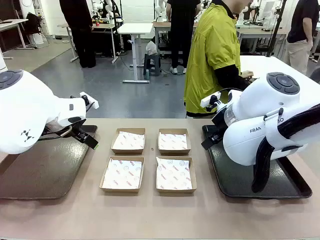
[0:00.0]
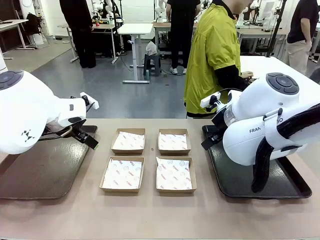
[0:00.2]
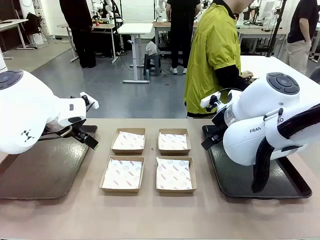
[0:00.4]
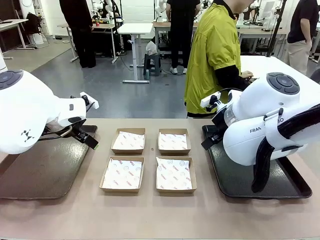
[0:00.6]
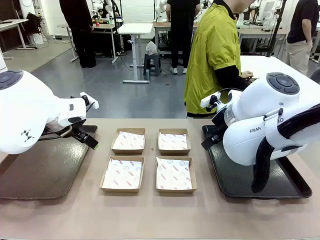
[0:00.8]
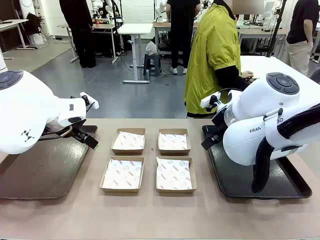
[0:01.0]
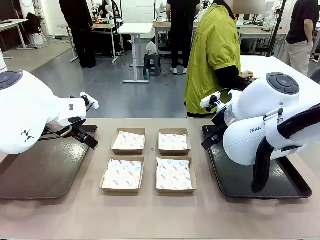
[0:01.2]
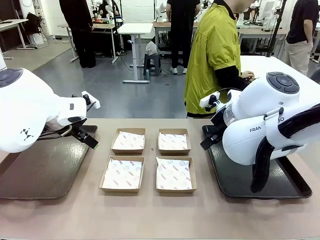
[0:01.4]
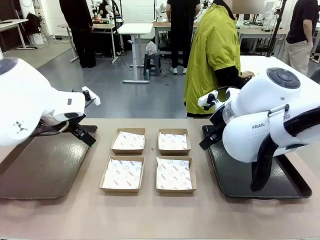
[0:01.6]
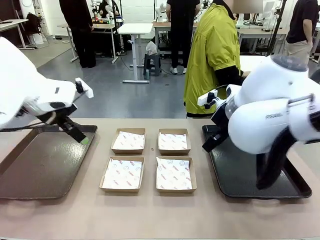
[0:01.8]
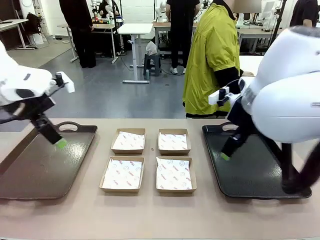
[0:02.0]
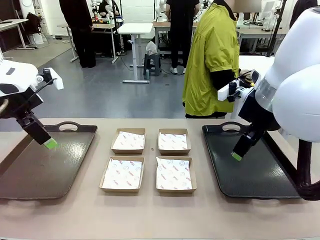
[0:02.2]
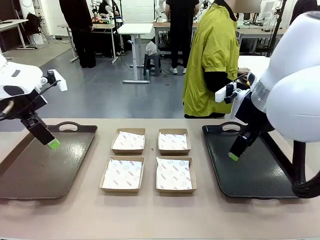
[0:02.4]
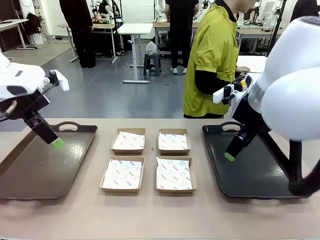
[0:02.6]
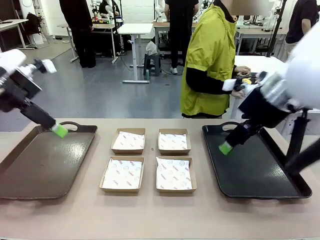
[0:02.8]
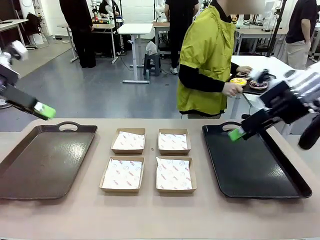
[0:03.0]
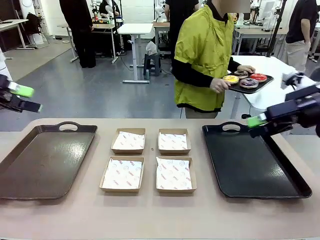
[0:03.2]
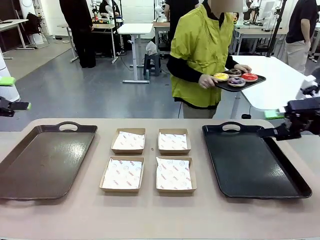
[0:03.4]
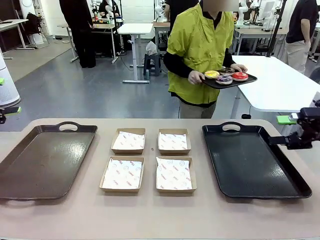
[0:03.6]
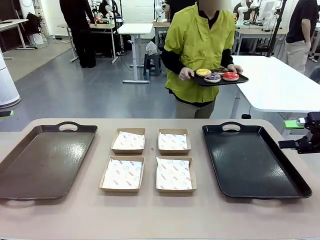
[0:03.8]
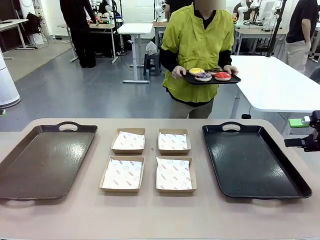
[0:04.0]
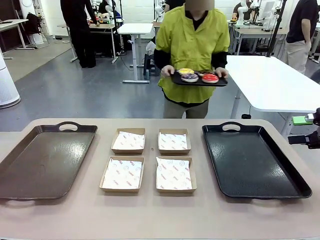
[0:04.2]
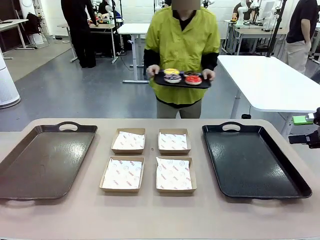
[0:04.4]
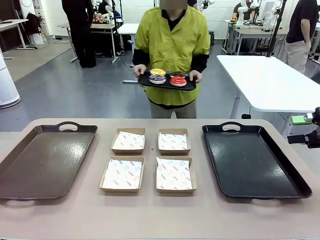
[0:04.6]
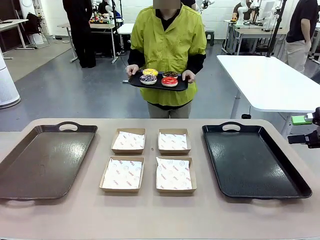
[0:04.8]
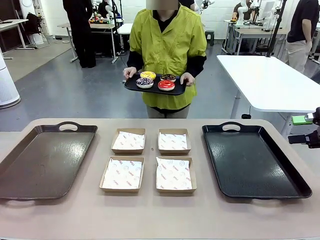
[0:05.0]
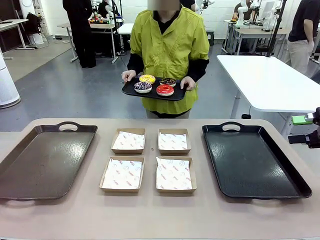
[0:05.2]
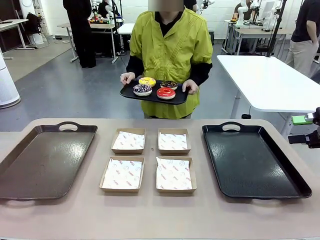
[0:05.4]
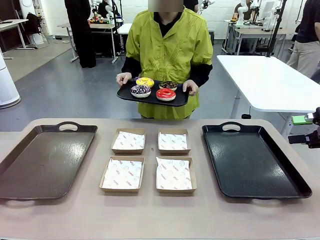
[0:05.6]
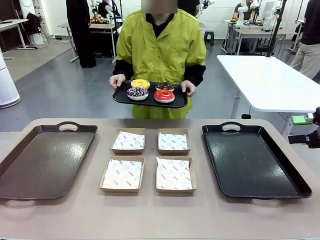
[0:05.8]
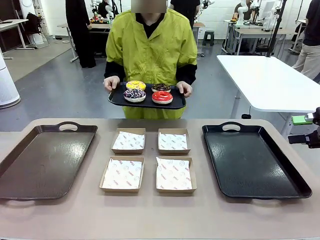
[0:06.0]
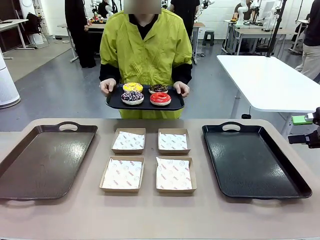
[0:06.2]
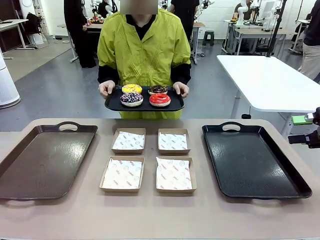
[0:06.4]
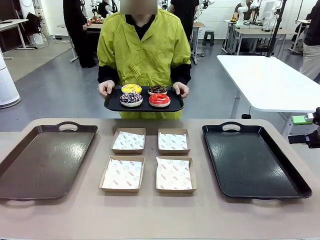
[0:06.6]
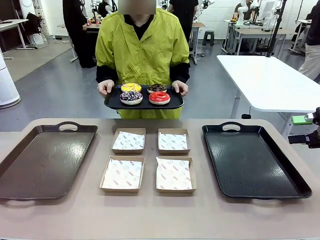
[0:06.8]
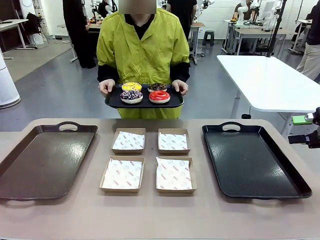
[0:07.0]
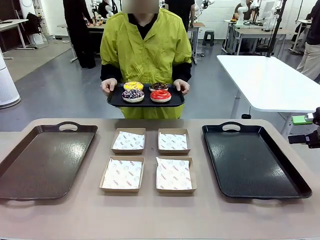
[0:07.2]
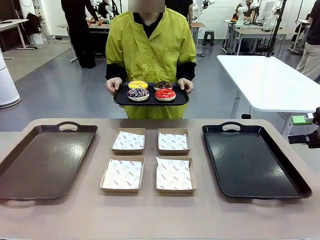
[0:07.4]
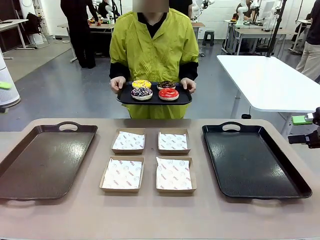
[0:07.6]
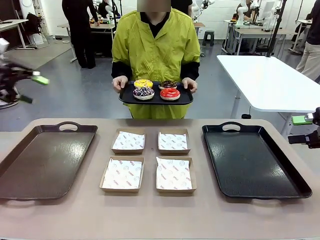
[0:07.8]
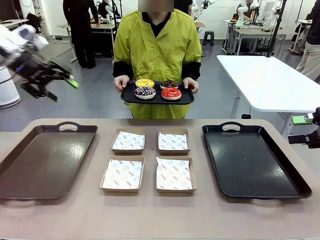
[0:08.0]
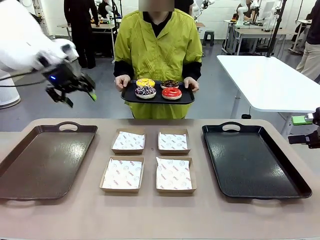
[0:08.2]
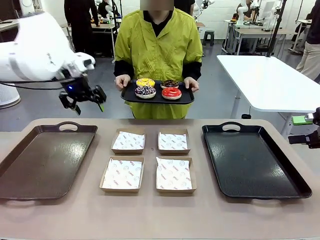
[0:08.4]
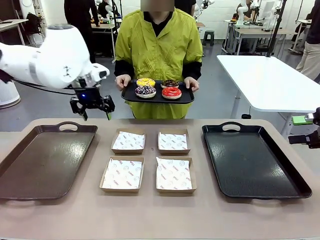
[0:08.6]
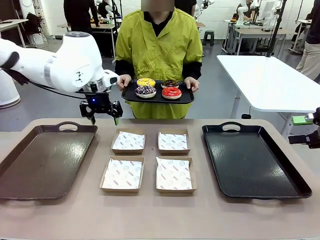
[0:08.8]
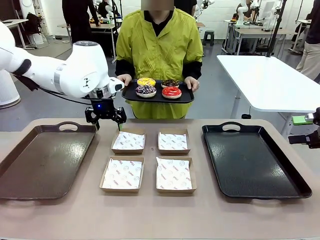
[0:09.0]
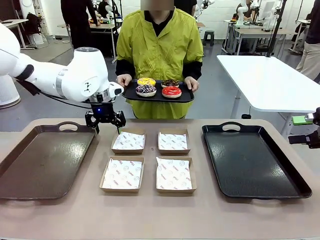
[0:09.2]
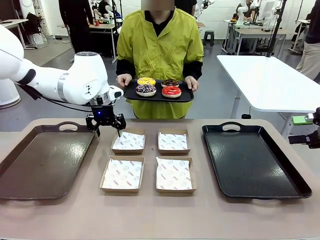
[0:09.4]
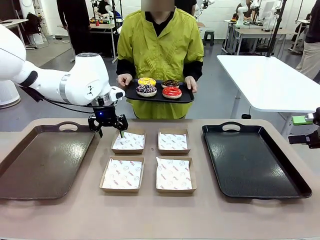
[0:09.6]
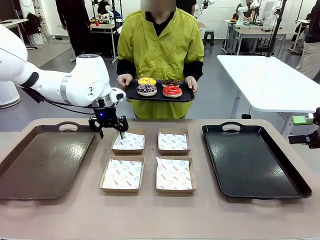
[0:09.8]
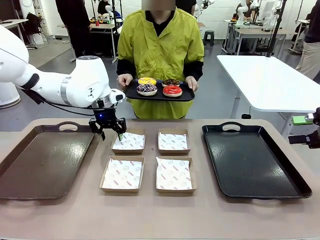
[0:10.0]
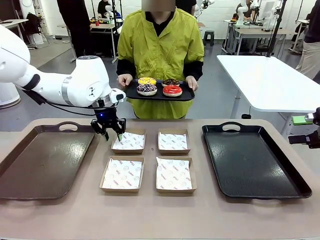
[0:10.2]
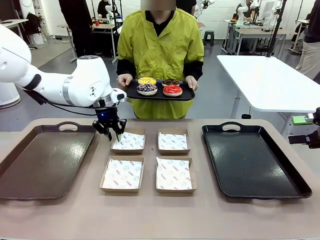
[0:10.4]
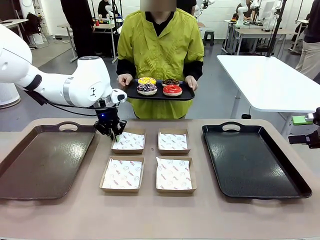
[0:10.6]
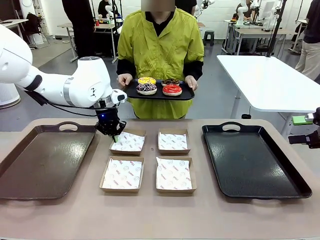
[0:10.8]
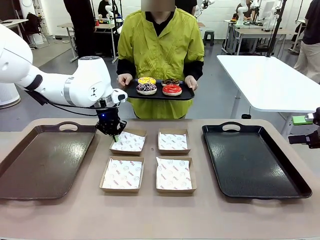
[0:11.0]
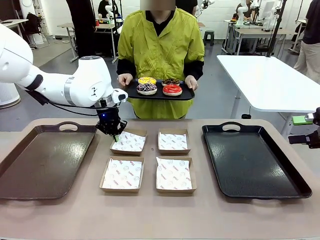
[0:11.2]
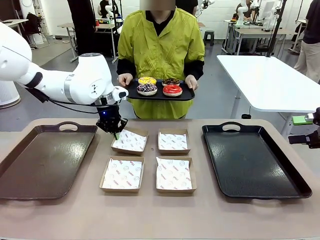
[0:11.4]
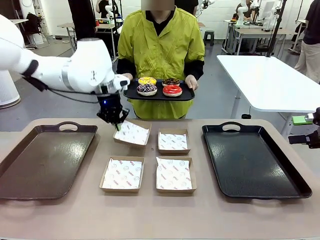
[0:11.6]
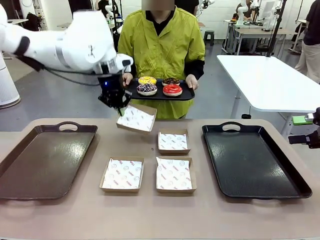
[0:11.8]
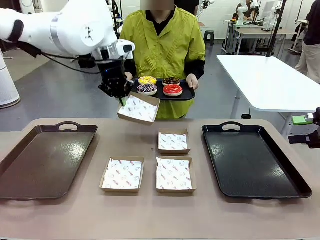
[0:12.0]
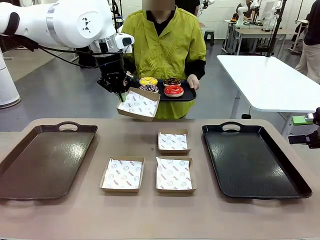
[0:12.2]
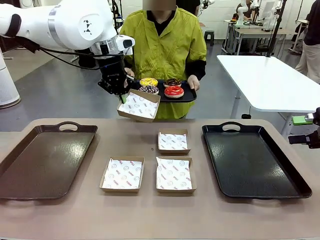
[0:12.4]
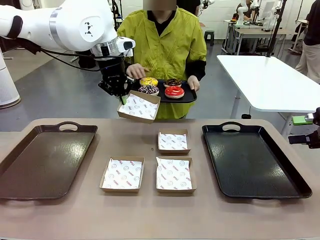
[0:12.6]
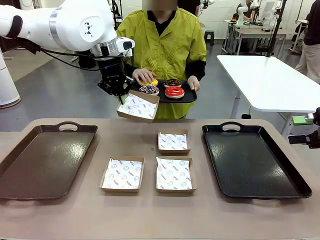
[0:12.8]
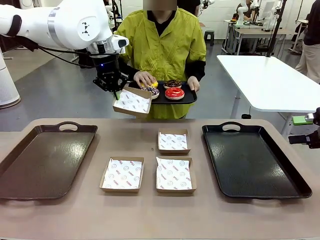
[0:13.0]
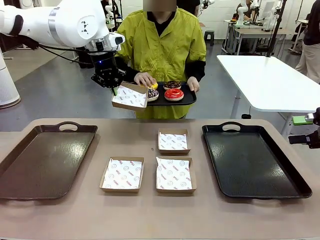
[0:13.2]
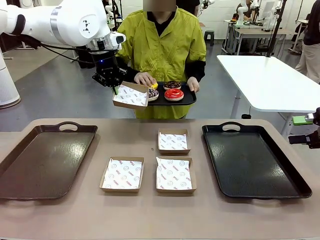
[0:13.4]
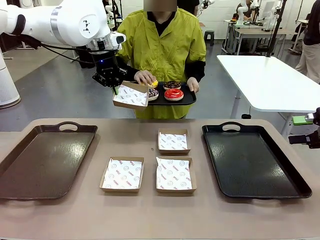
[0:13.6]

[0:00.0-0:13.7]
Task: Individually package the donuts and arrange them on the tray.
Robot: Pick up one Paper togo box.
Person: Stand in front of the robot table holding the tray containing the donuts.

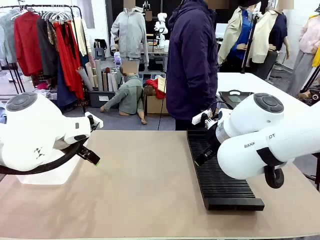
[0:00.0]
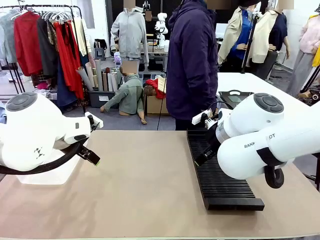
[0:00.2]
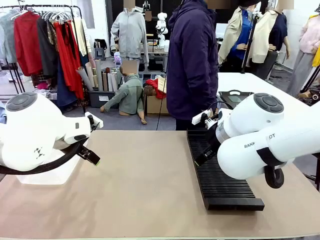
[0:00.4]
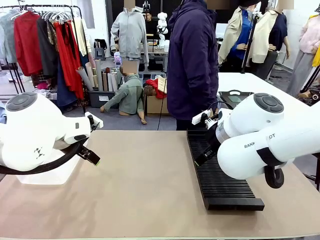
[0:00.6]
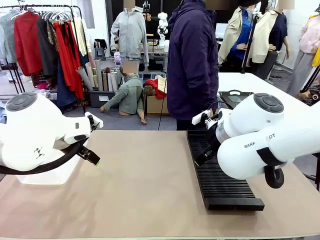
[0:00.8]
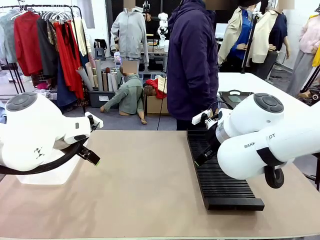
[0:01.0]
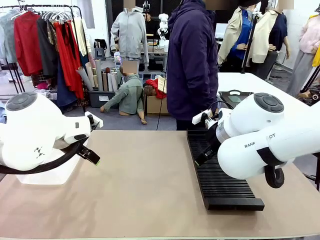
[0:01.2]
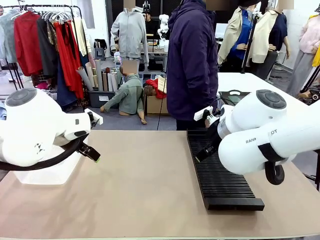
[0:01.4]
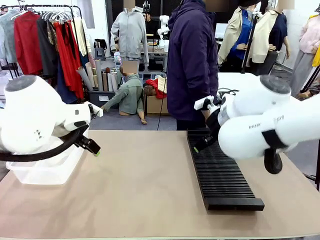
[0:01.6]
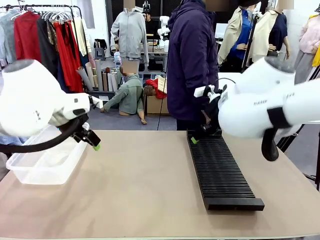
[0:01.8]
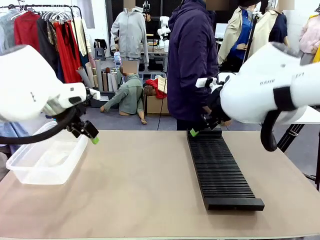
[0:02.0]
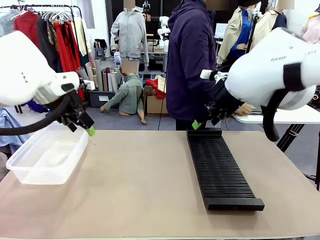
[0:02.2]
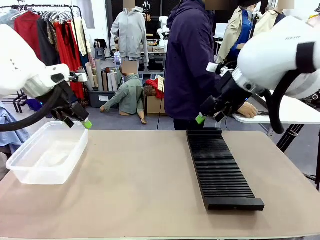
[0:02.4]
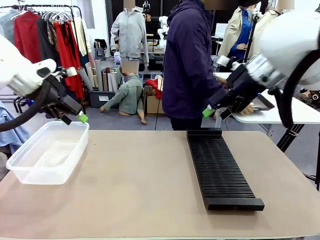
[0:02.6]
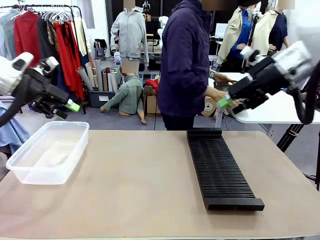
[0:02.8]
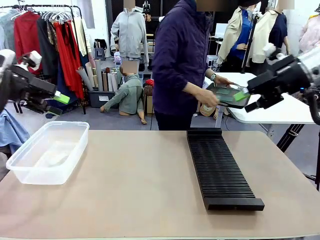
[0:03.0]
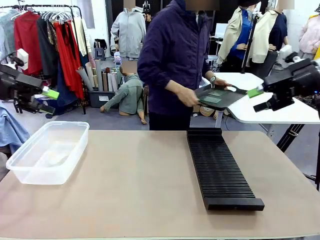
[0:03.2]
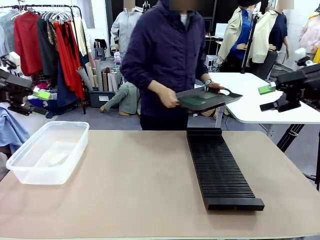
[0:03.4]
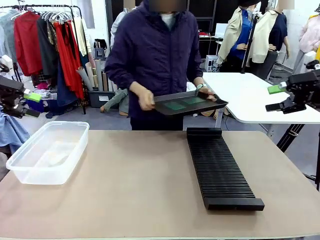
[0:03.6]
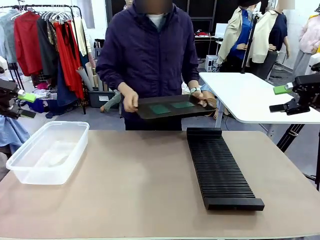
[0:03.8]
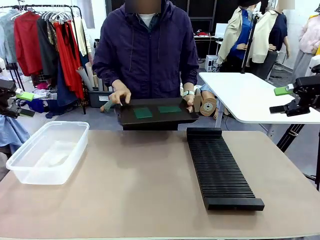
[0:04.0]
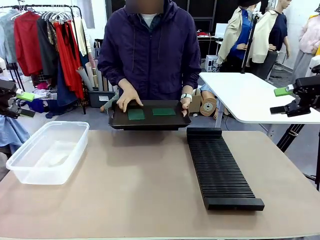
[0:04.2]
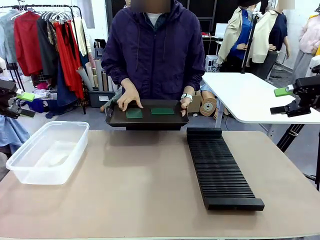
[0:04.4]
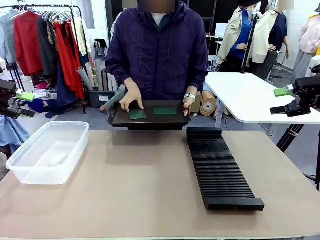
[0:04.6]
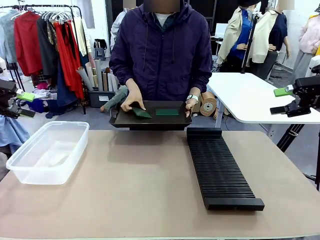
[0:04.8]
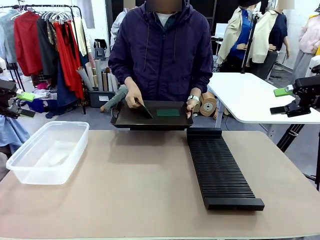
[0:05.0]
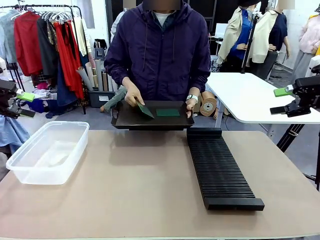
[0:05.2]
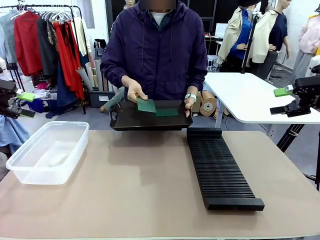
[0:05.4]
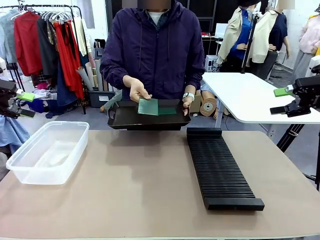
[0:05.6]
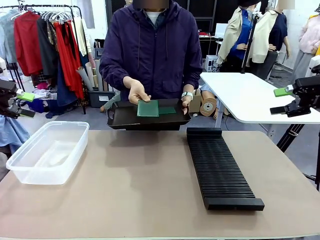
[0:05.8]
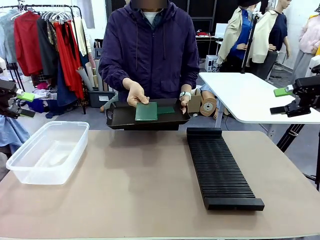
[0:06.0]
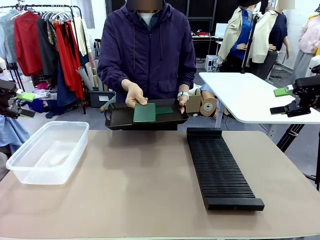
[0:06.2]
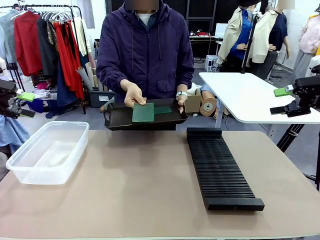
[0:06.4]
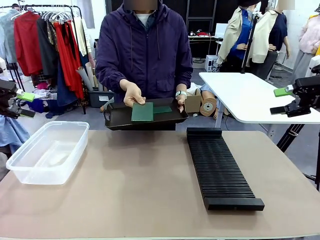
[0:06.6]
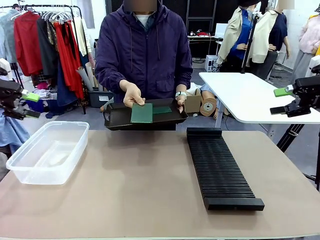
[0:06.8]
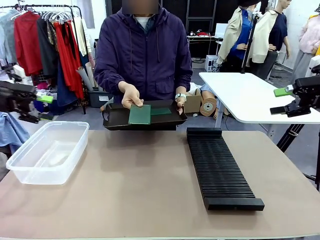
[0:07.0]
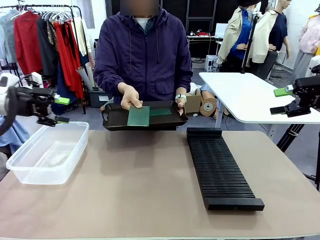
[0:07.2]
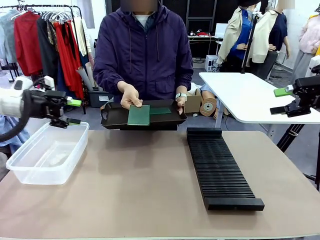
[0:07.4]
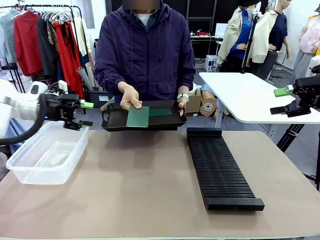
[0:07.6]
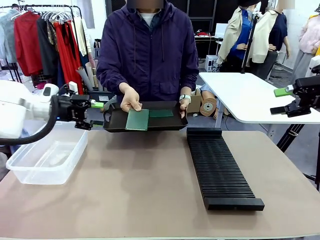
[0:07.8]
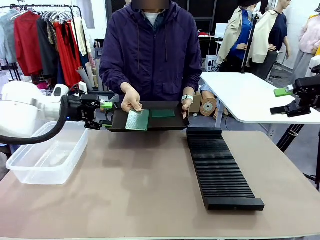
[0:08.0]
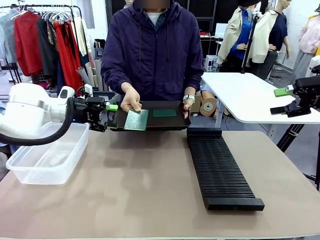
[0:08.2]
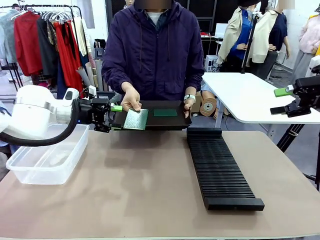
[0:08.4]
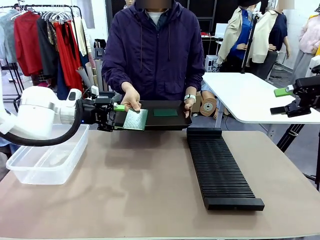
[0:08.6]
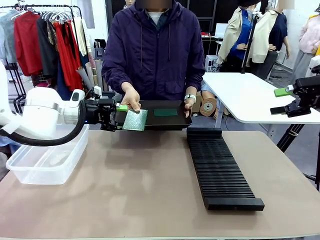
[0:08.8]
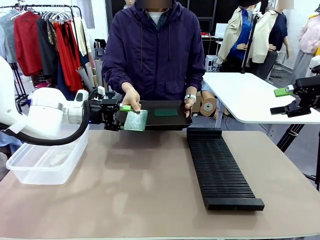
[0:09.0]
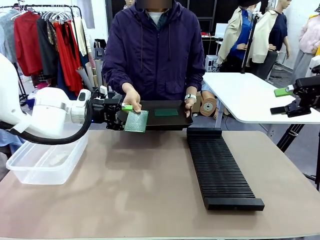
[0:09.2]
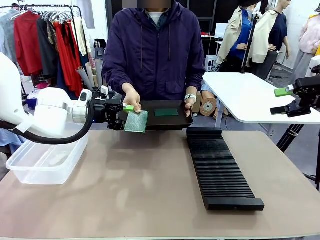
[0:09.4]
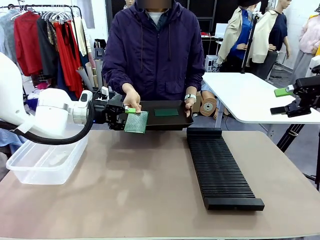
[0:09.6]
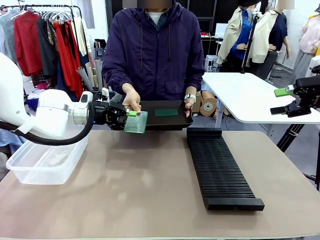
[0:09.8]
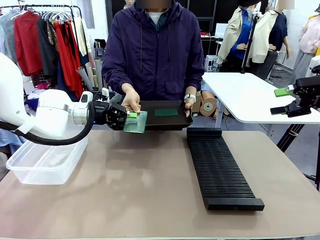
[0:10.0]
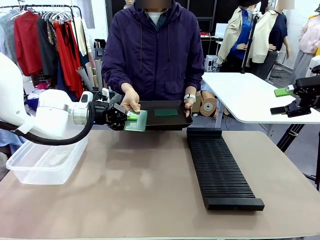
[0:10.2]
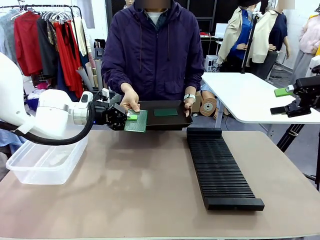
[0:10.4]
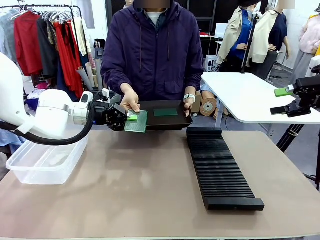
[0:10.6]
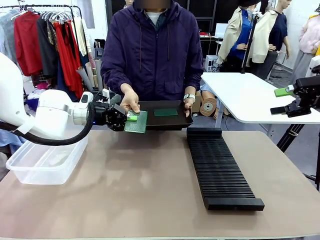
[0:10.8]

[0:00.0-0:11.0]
Task: Sort PCBs into racks and boxes based on the side picked up.
Robot: Pick up the Blank PCB handed by the Human.
Person: Pick one PCB from the tray and present it to the robot. Release the PCB being held.
